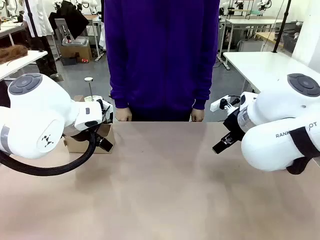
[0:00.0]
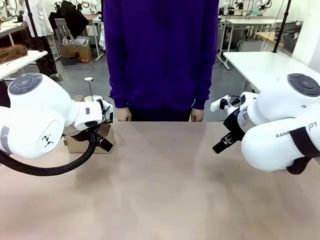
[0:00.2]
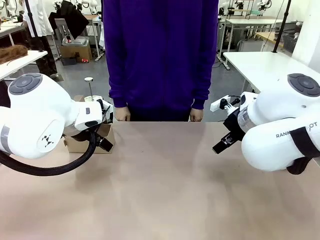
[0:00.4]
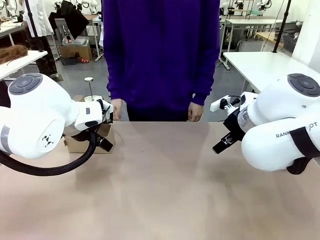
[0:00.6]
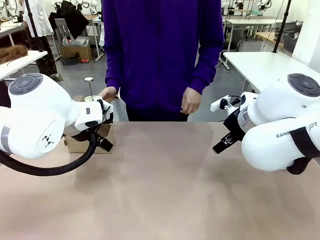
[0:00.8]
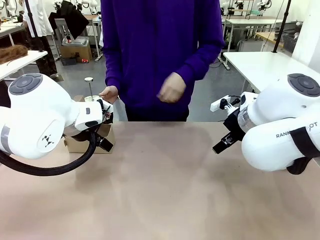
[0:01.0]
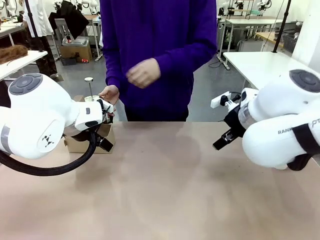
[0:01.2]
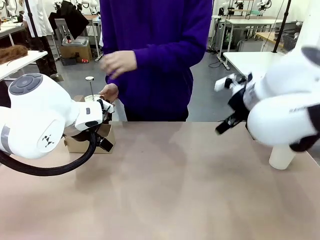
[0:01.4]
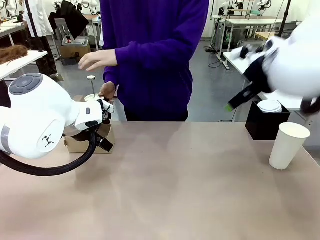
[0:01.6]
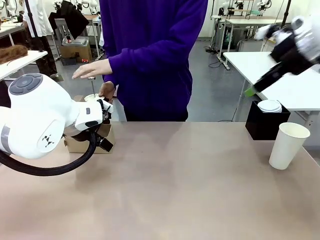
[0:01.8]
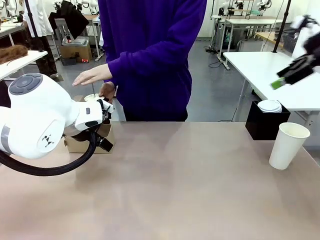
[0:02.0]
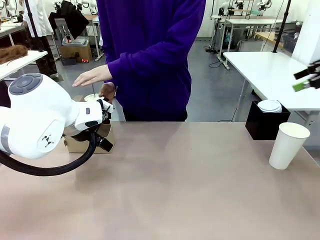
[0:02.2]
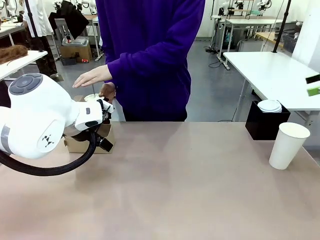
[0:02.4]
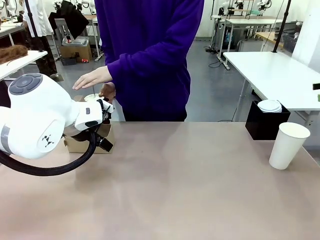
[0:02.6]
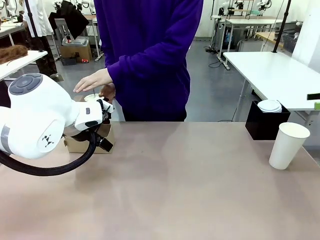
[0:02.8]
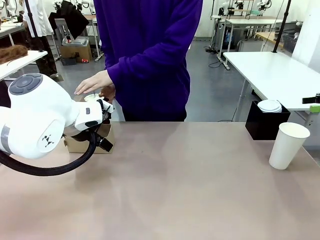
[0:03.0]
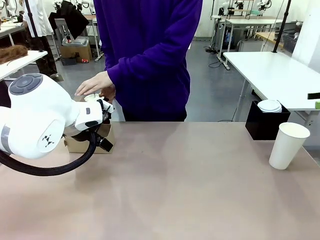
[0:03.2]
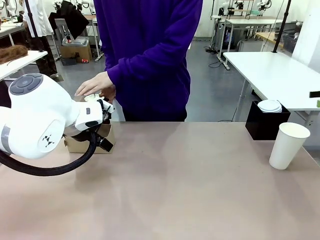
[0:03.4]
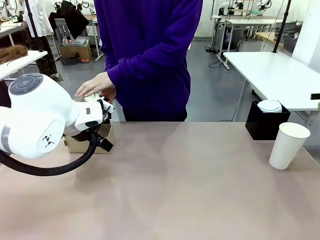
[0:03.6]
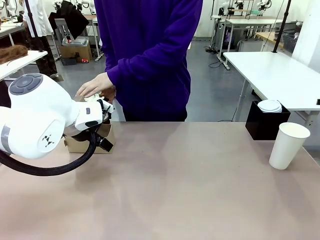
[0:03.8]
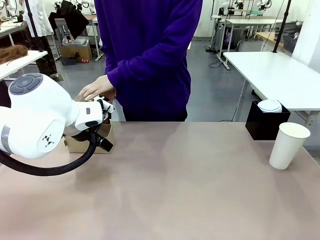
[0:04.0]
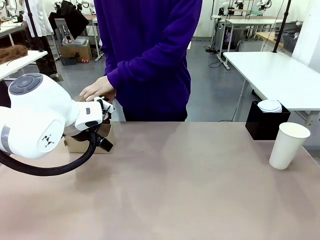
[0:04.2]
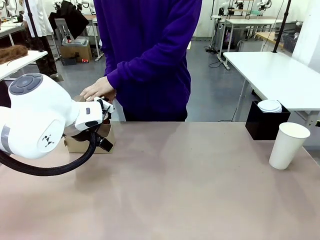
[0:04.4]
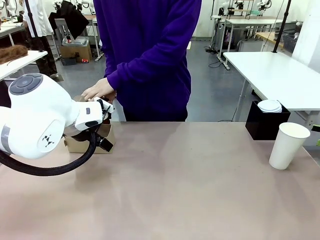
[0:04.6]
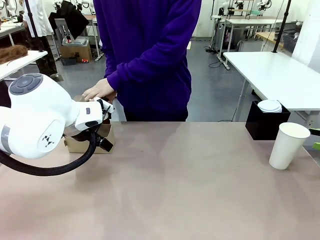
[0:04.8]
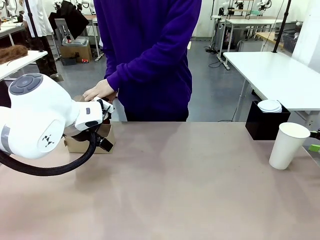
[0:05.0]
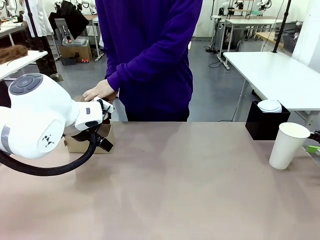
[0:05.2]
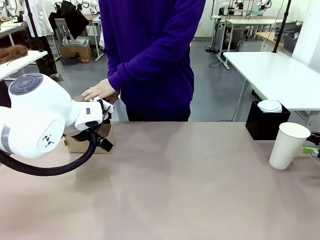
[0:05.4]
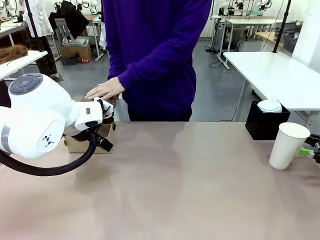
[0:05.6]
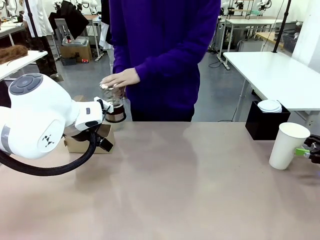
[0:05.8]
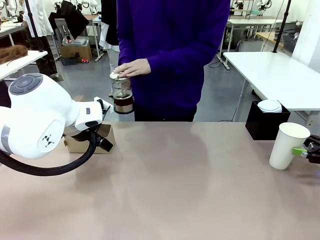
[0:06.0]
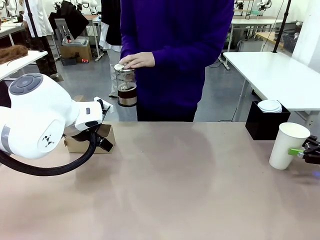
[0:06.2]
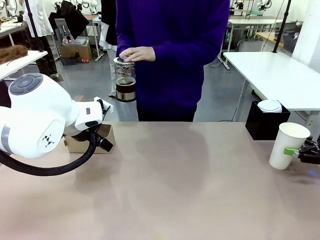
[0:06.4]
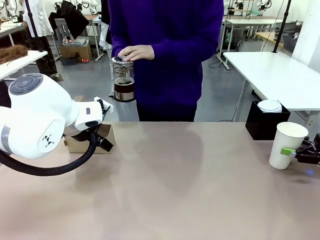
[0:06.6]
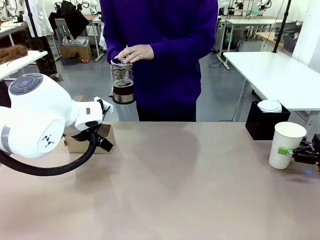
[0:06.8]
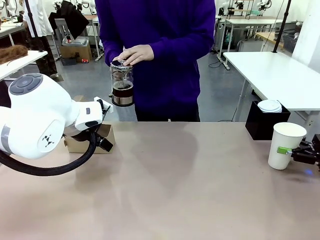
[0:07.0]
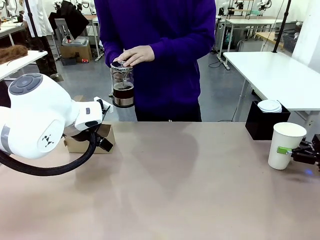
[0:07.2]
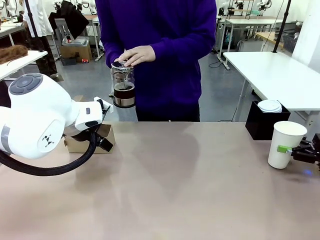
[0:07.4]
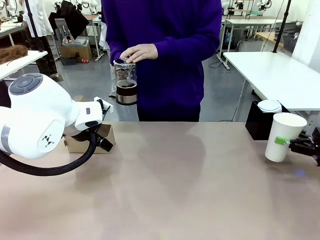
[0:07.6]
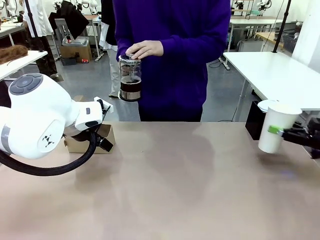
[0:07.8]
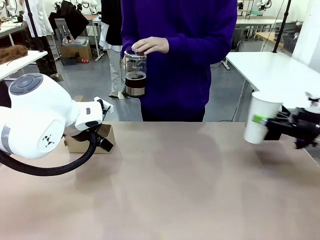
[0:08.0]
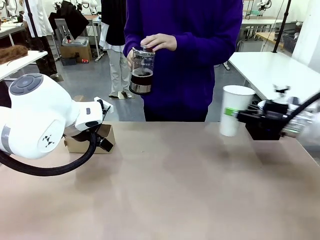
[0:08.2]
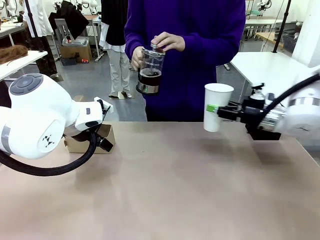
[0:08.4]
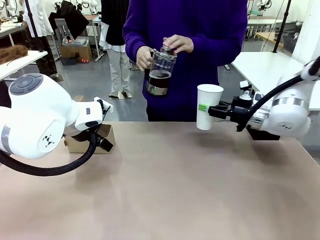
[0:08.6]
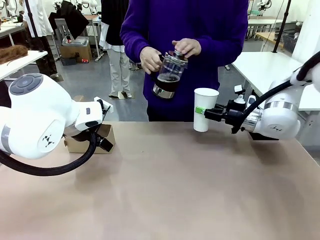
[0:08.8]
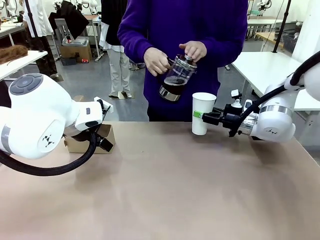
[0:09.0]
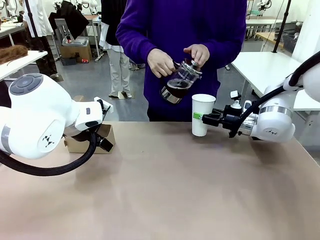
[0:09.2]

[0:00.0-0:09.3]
Task: Pour a drink into a cup and package it in a carrier.
Robot: Pick up the 600 ml Paper Cup and place it in the middle top area of the table.
Person: Press and pick up the Filter Brewing.

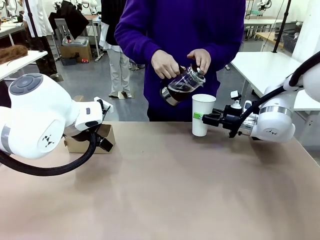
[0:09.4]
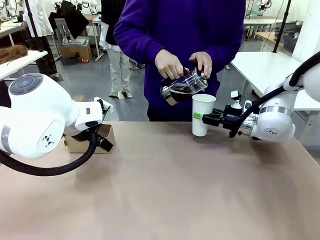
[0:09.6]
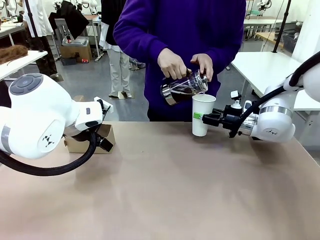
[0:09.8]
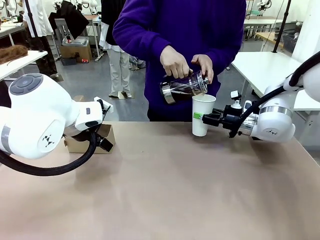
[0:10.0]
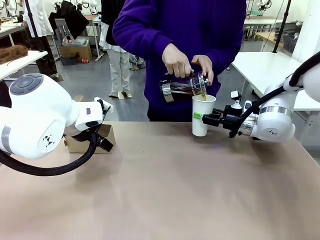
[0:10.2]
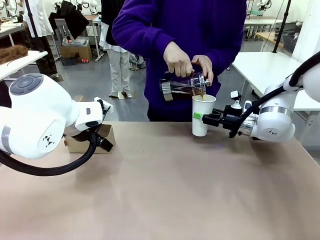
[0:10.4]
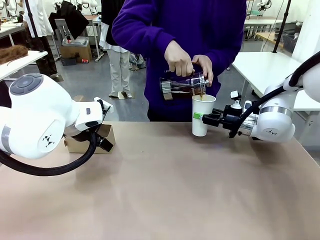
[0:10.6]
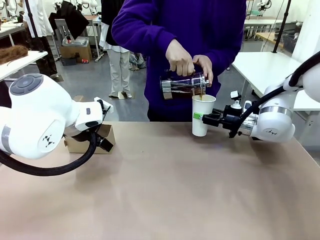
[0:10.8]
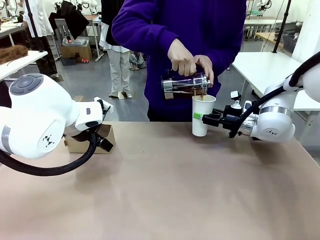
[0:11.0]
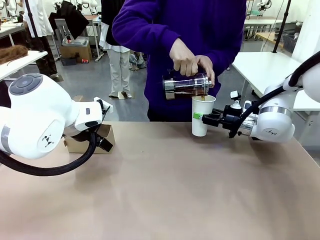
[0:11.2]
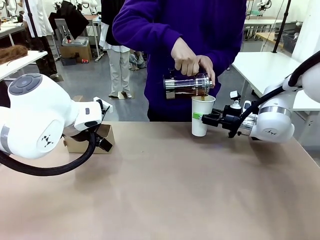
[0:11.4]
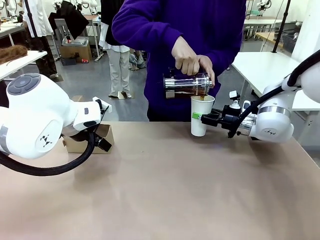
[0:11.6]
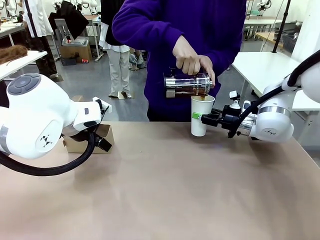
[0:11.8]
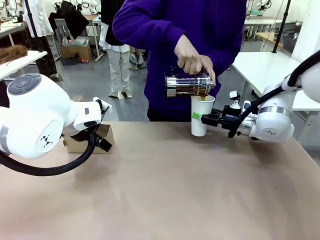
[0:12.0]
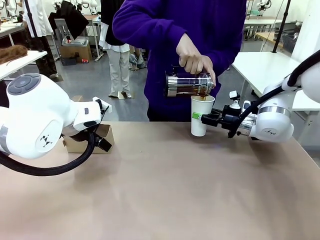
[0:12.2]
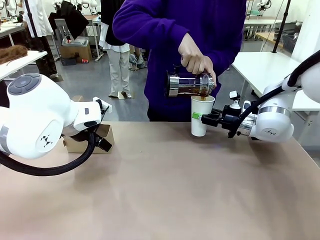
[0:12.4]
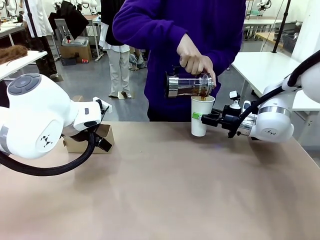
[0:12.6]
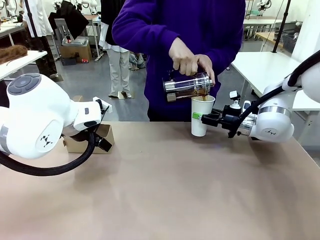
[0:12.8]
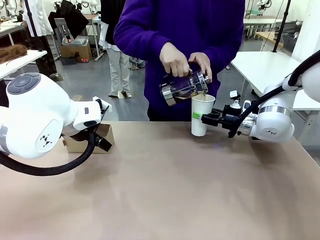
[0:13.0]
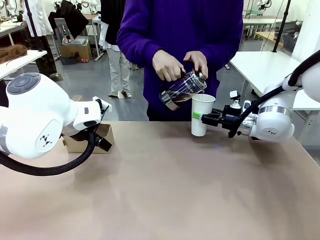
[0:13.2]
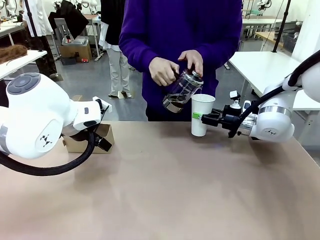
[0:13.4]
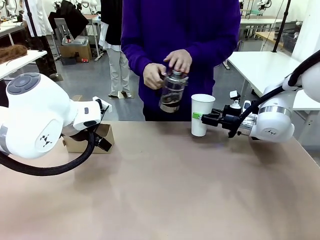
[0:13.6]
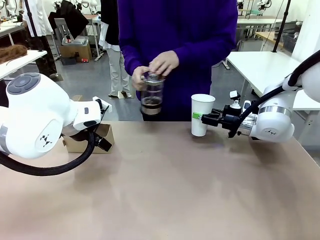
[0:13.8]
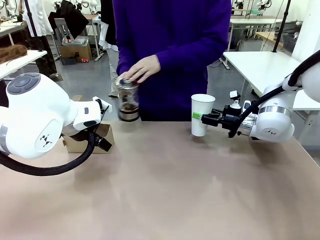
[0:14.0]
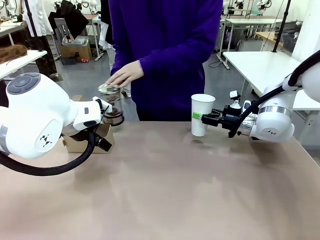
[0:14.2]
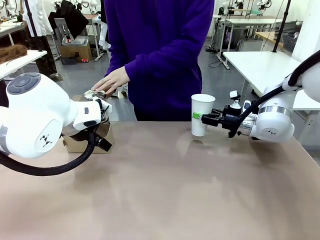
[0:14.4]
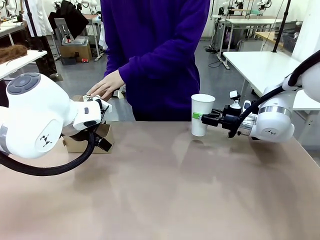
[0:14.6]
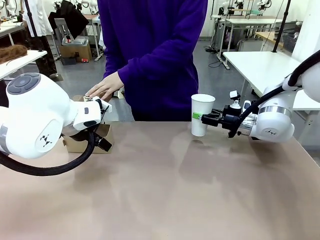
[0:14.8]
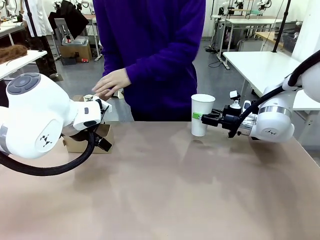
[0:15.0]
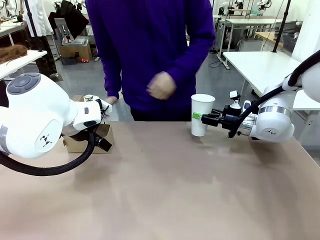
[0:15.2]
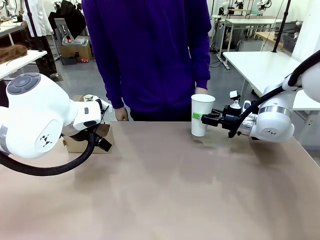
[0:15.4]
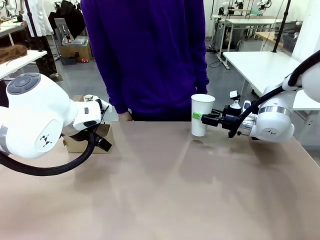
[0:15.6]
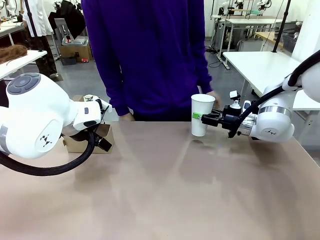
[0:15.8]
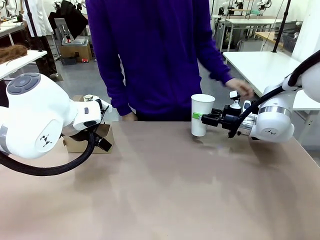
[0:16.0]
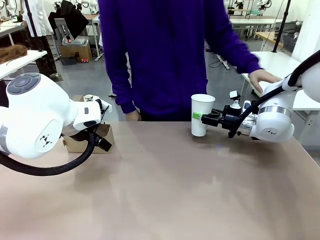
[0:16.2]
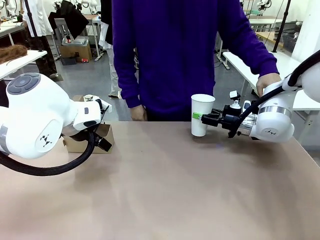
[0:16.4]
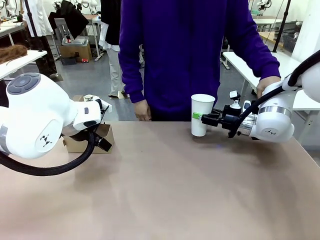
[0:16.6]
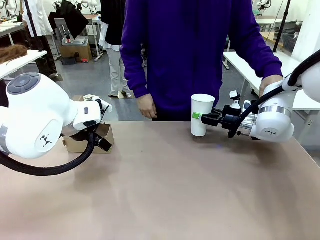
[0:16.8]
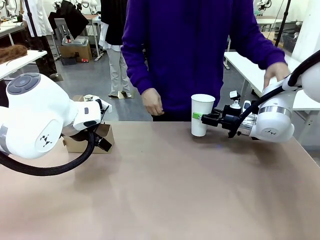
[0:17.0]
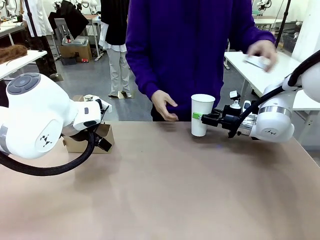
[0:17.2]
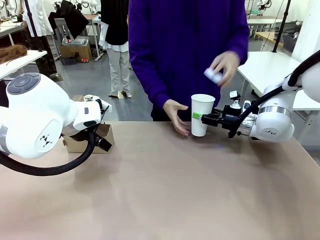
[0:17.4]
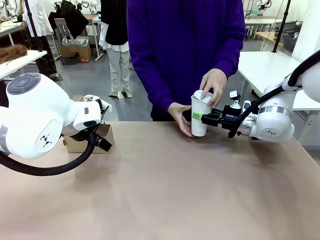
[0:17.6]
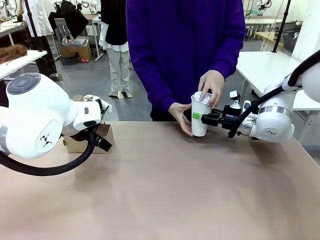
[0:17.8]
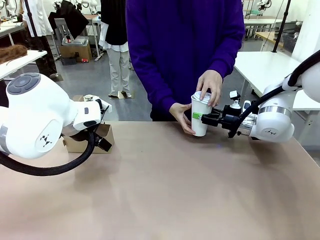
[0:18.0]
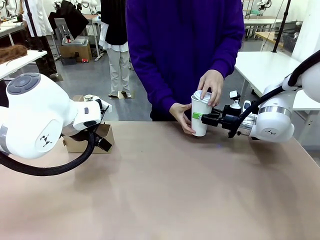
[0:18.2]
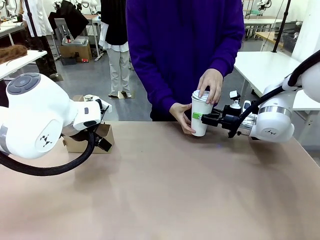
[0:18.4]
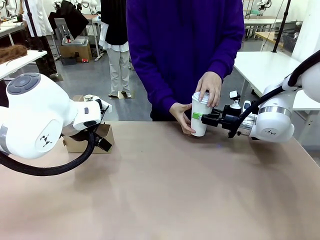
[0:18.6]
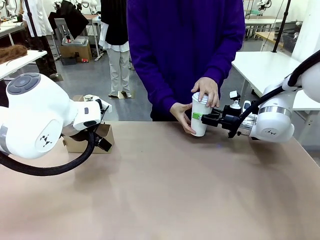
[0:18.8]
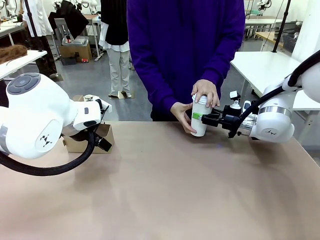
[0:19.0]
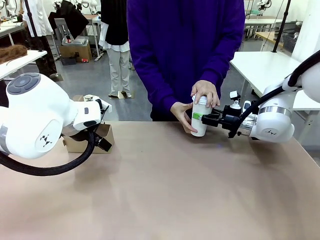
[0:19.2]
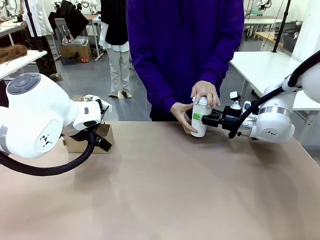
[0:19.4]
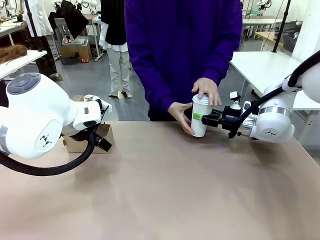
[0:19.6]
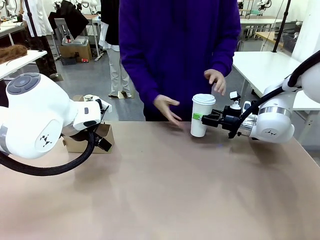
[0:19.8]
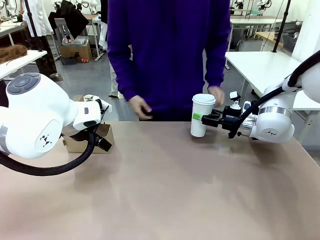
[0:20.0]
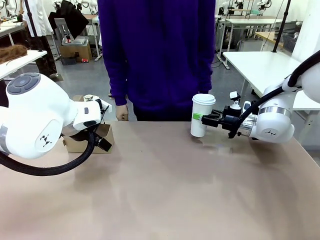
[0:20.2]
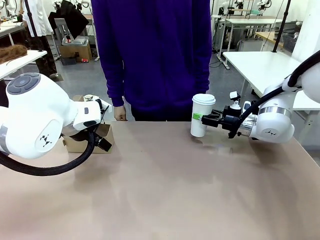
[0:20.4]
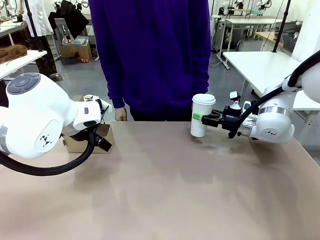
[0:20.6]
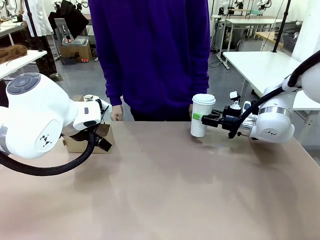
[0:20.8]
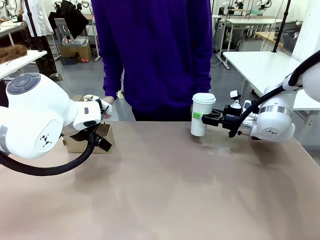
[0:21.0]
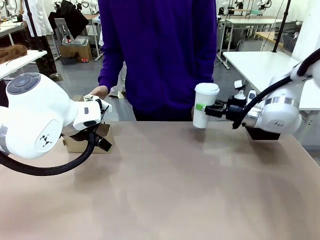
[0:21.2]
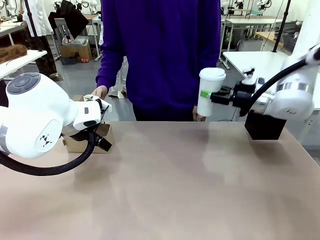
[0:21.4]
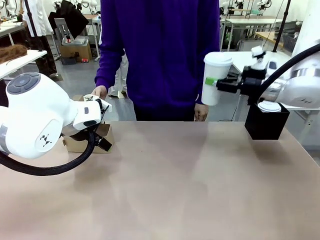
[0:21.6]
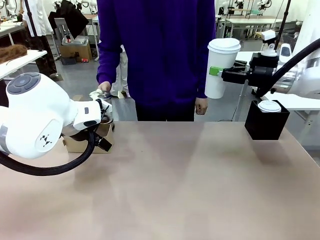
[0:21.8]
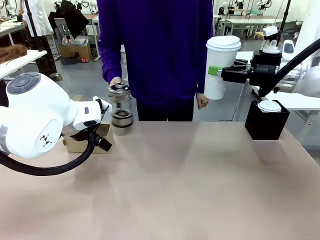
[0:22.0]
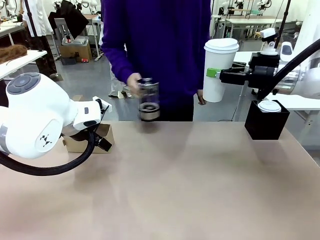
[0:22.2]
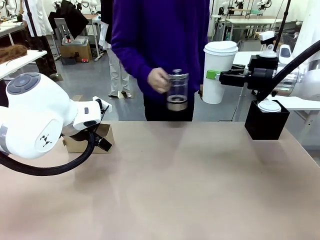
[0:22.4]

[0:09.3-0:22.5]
Robot: When a person places the Paper Cup Lid on the 600 ml Paper Cup , lift the 600 ml Paper Cup.
Person: Pour the drink from the Filter Brewing into the 600 ml Paper Cup. Place a Paper Cup Lid on the 600 ml Paper Cup.
